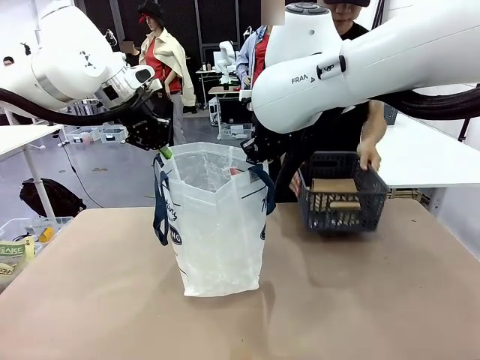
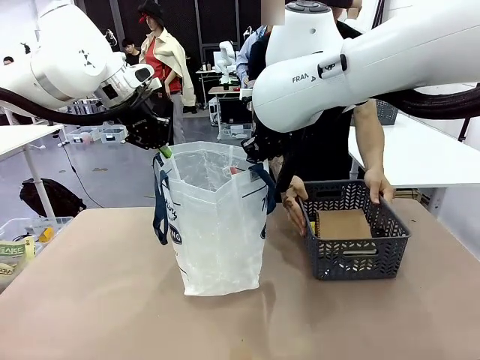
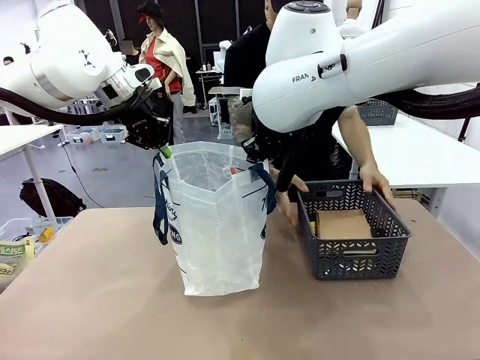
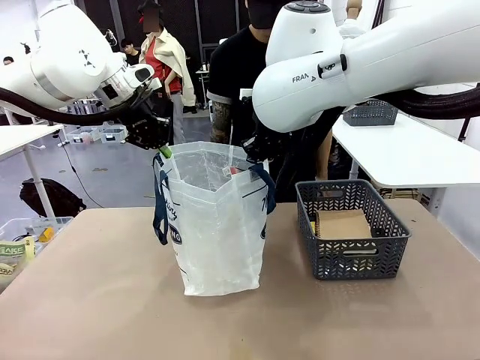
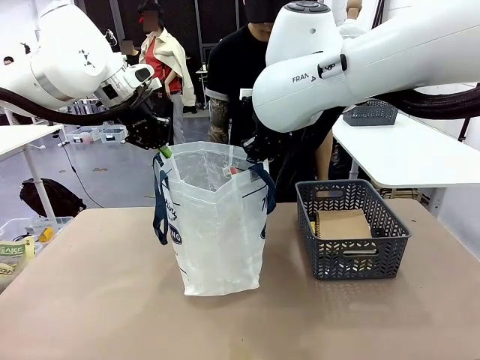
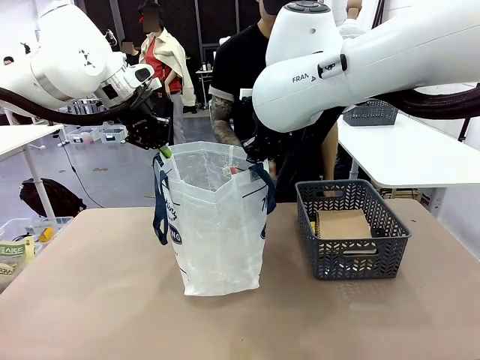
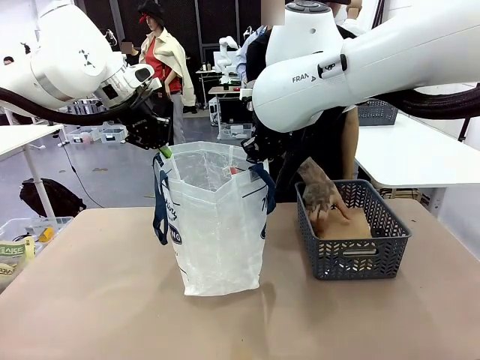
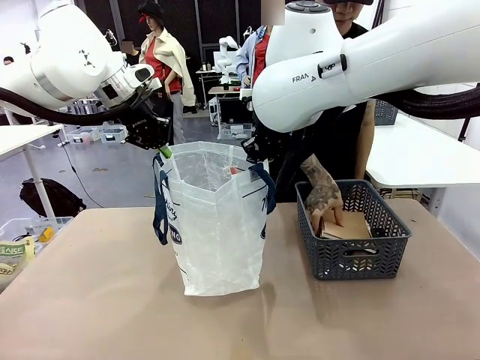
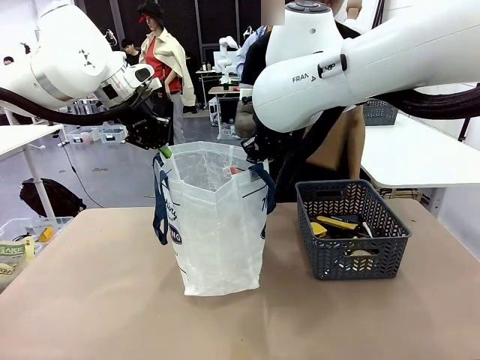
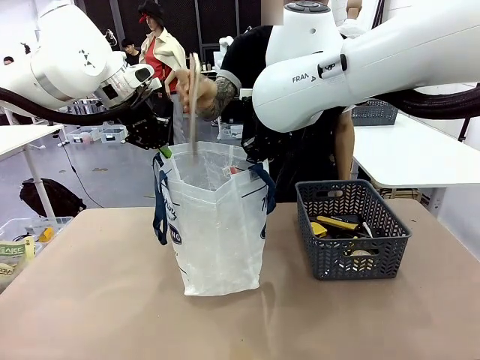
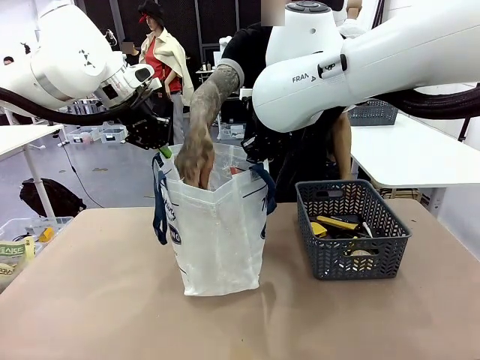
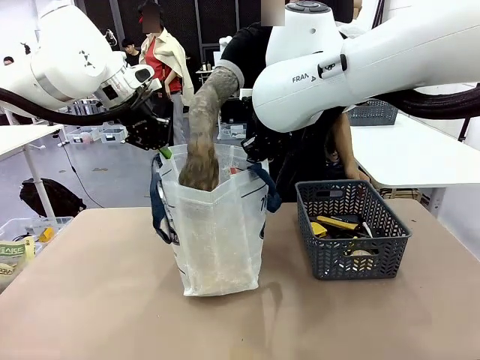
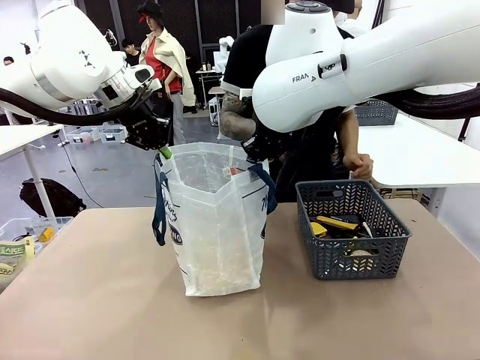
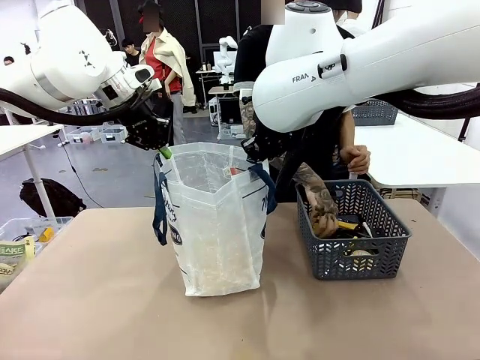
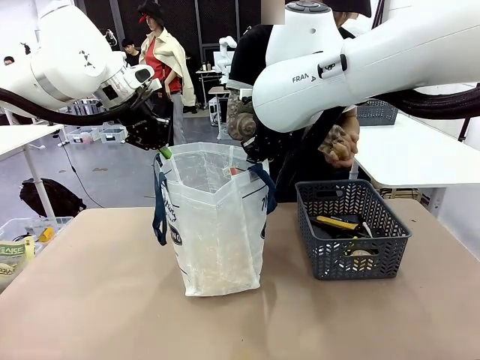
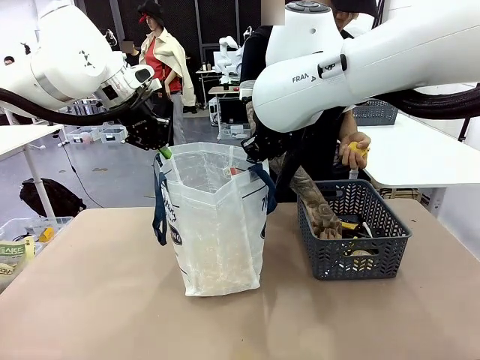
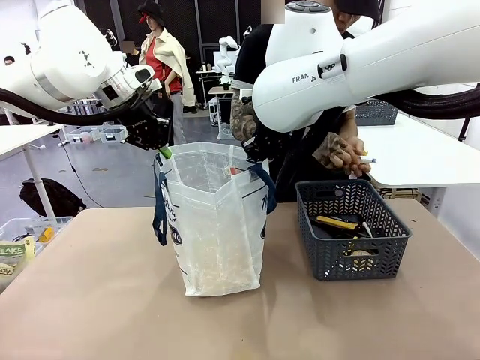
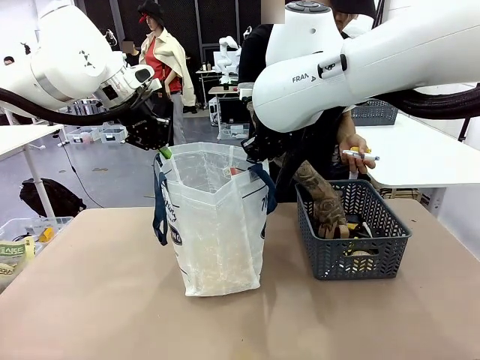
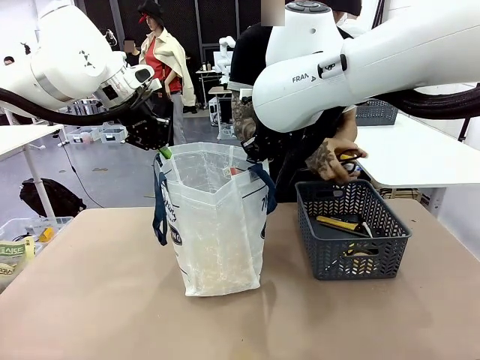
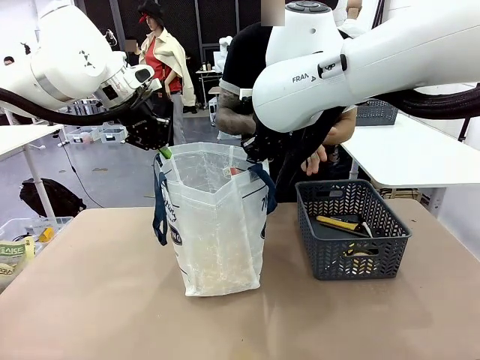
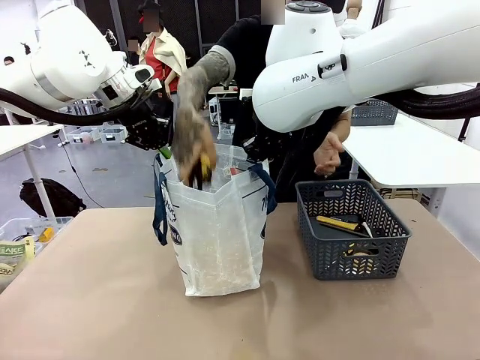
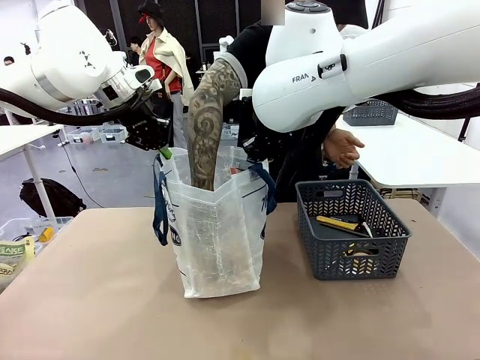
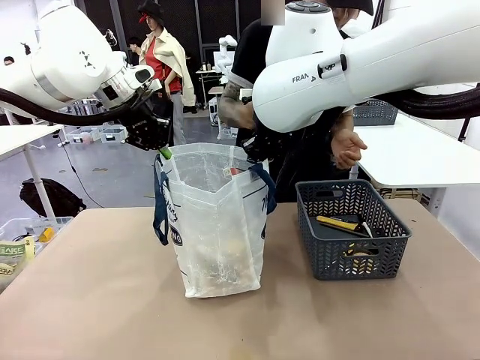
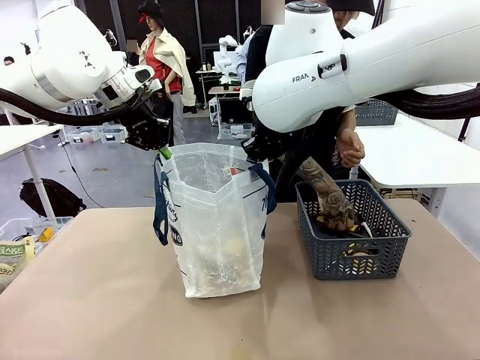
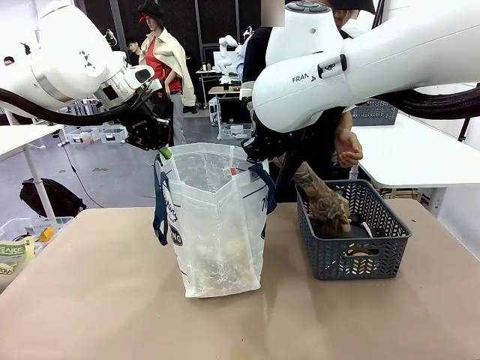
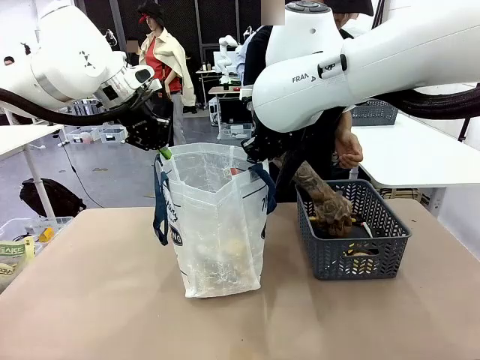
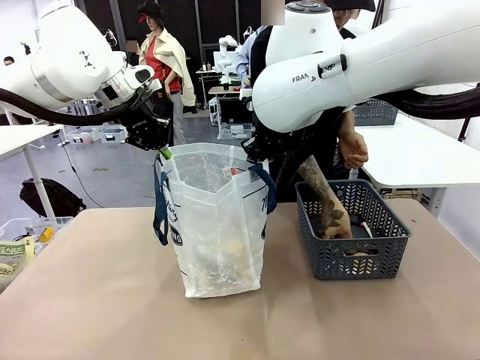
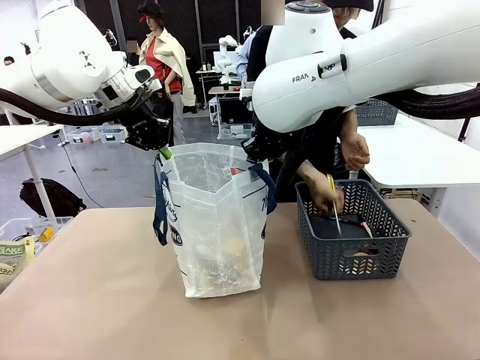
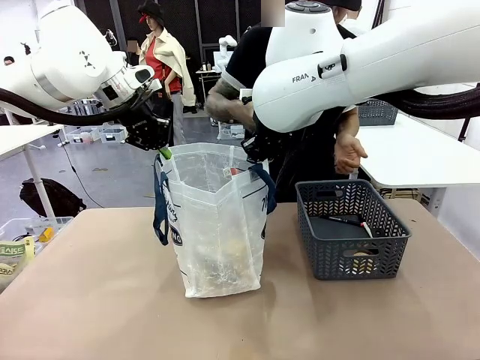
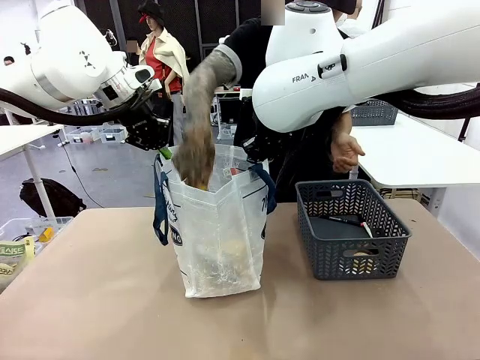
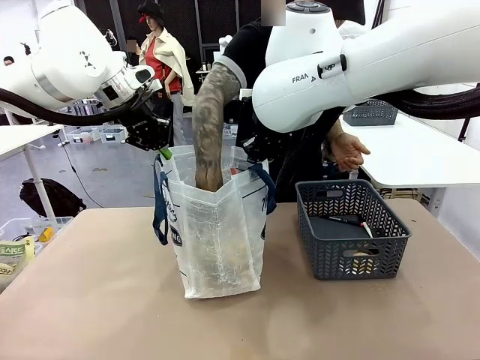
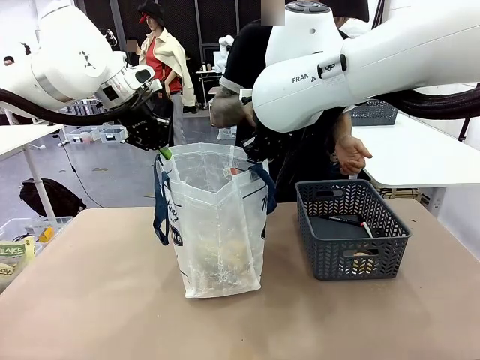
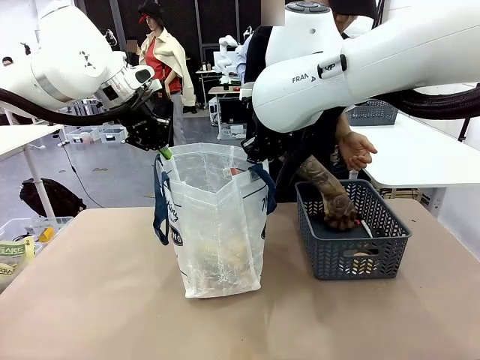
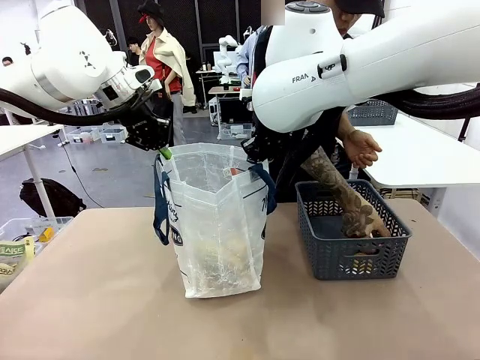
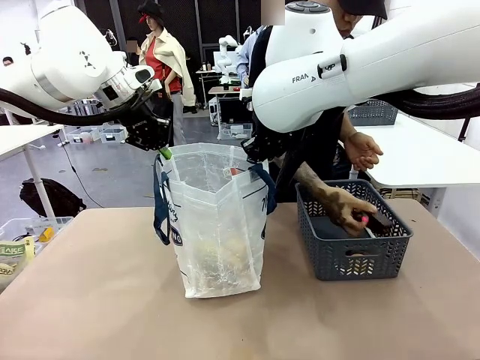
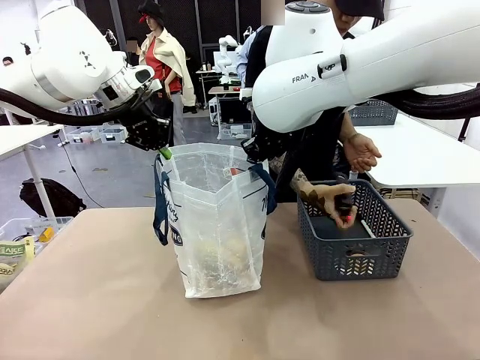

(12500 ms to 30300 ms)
Task: Transfer purchased items from the store into the shopping bag.
Robot: Move the Reusable shopping bag to the right side of the table.
Person: Pick up the basket with the items out and place it on the right side of the human table.
